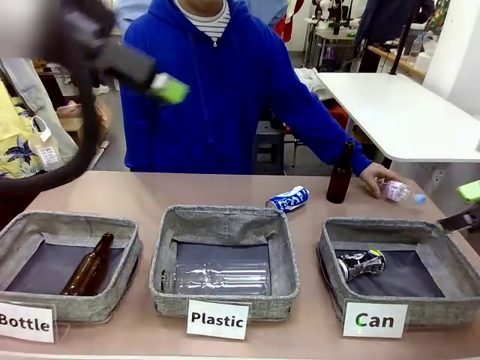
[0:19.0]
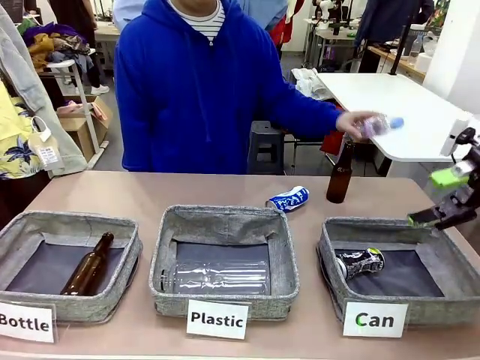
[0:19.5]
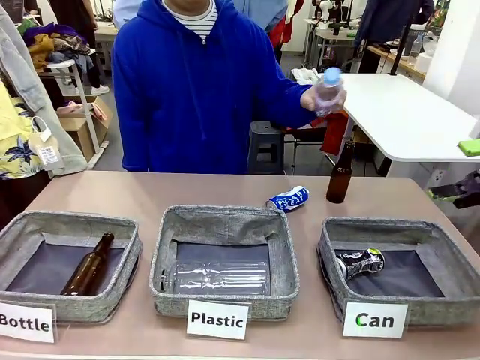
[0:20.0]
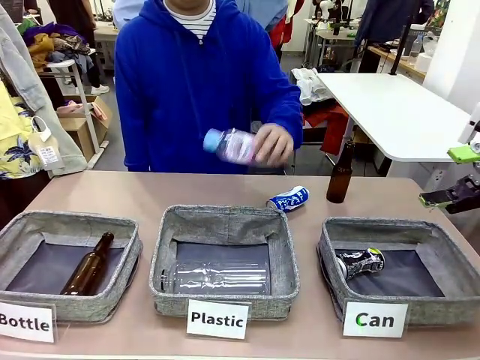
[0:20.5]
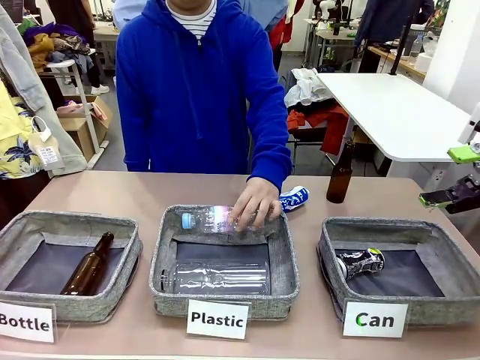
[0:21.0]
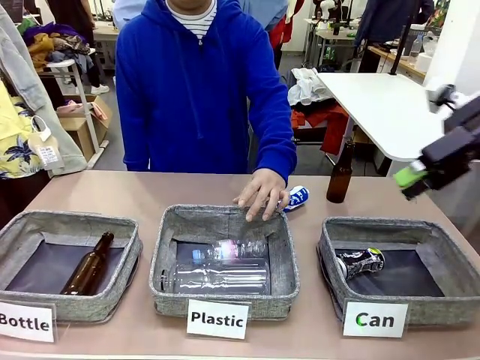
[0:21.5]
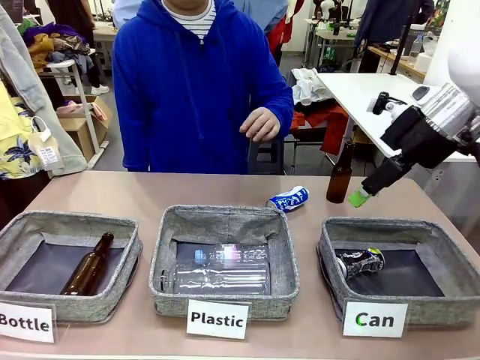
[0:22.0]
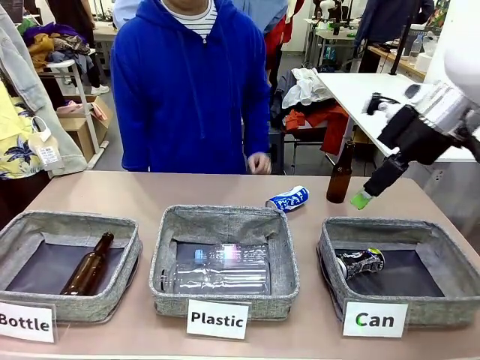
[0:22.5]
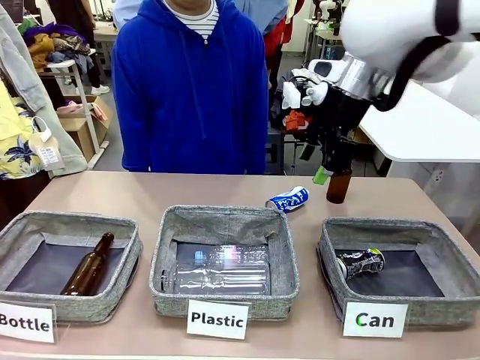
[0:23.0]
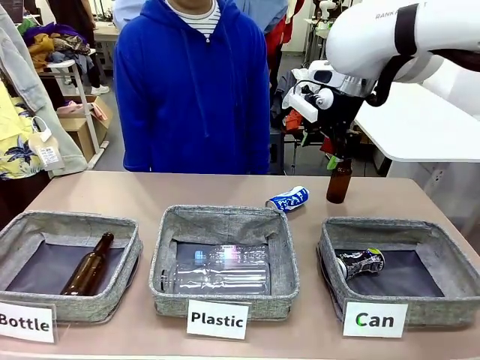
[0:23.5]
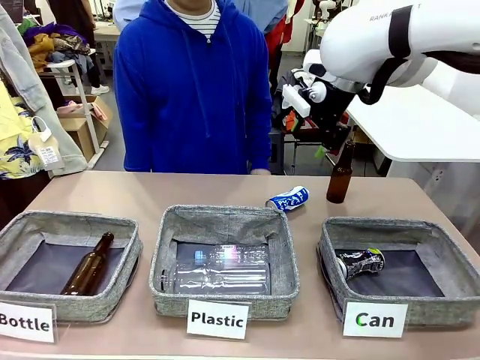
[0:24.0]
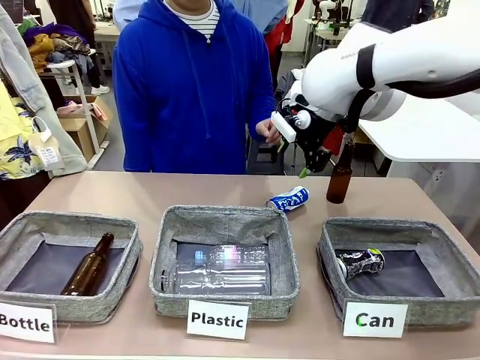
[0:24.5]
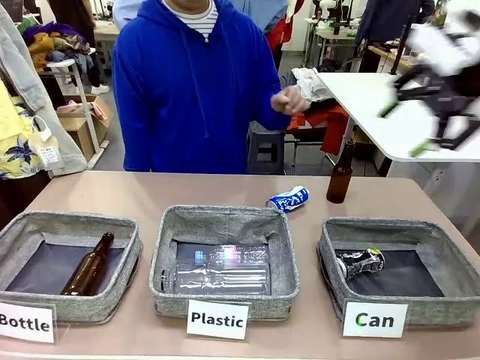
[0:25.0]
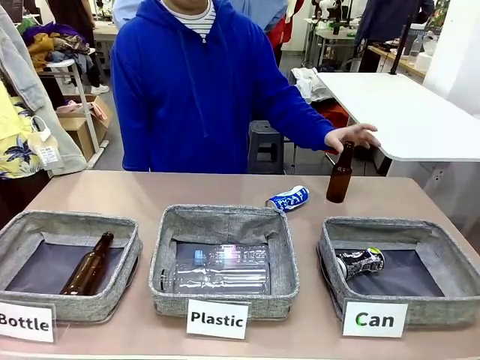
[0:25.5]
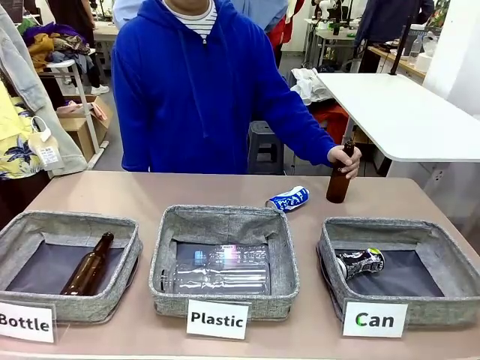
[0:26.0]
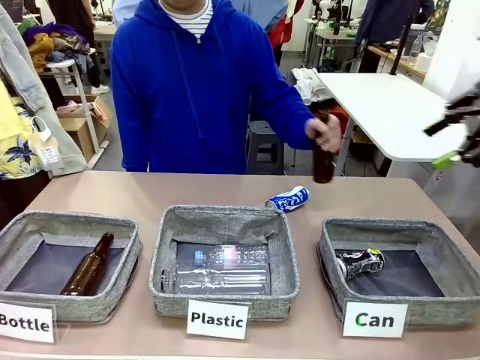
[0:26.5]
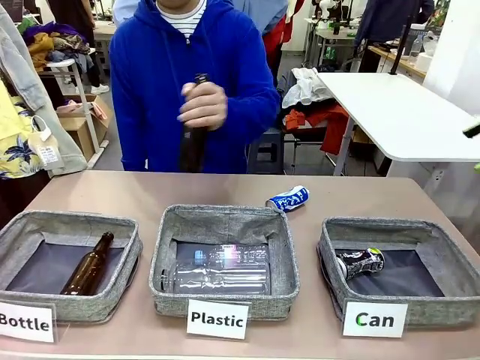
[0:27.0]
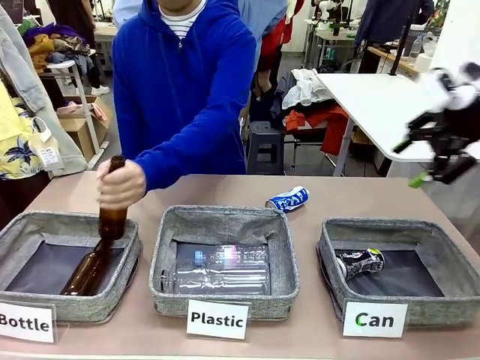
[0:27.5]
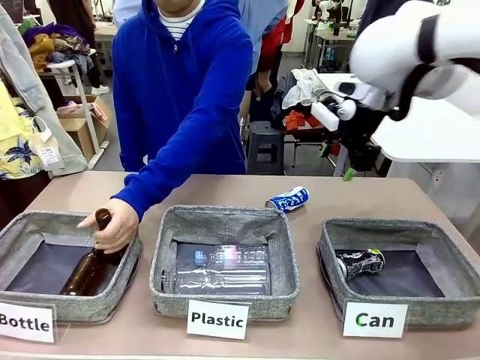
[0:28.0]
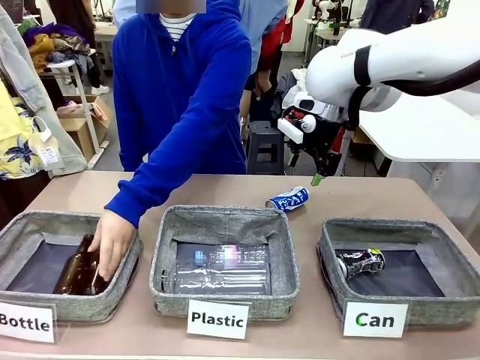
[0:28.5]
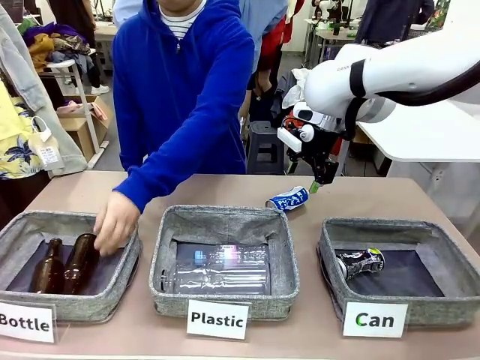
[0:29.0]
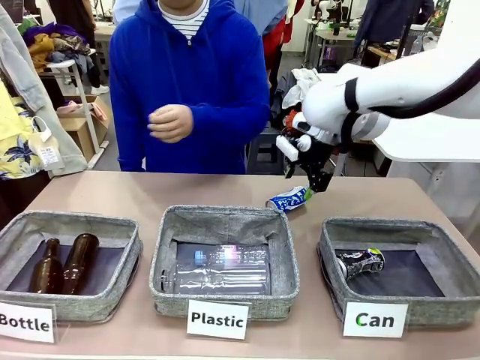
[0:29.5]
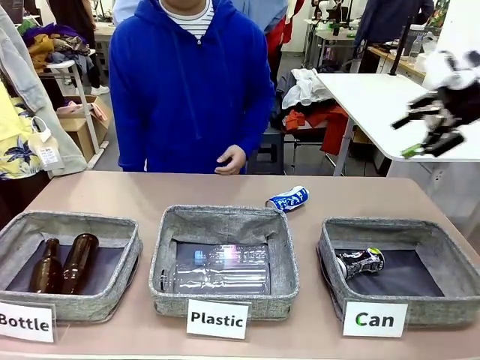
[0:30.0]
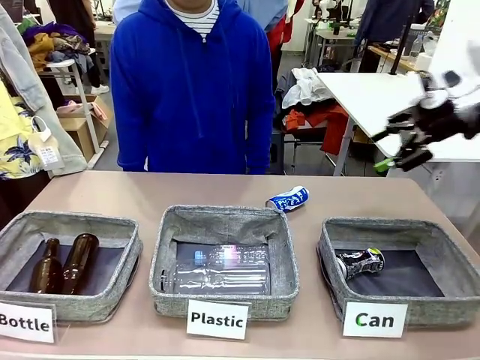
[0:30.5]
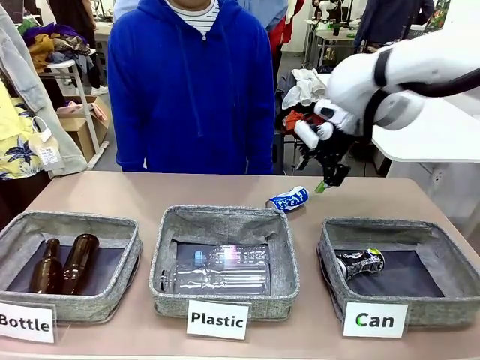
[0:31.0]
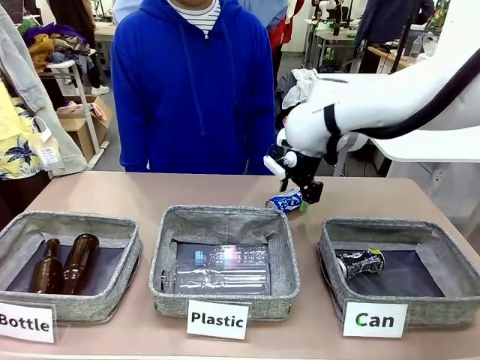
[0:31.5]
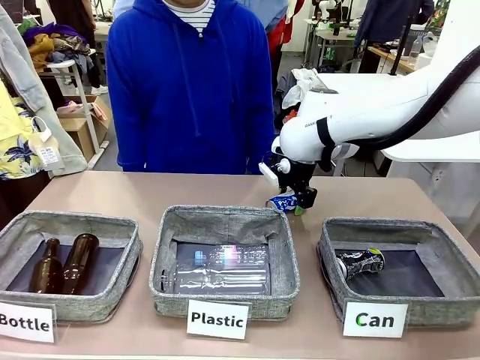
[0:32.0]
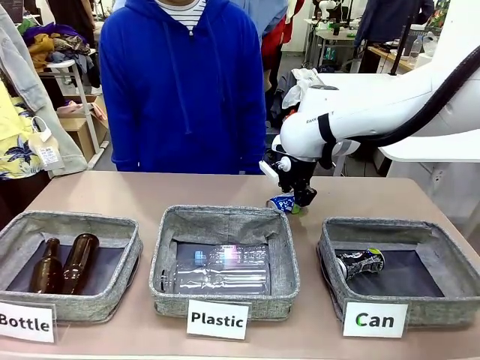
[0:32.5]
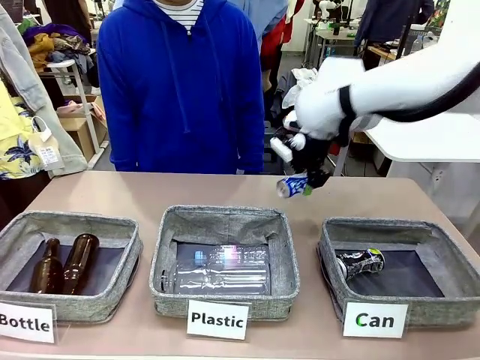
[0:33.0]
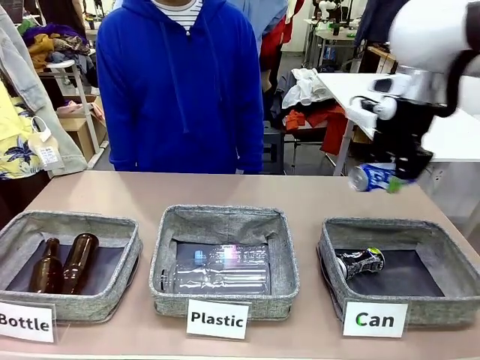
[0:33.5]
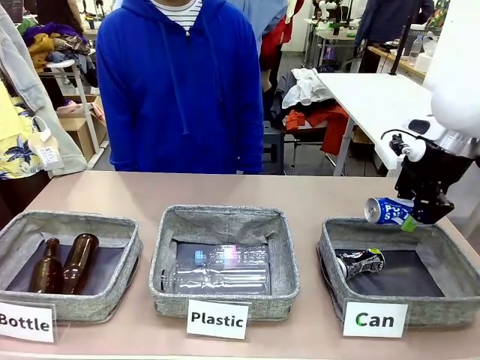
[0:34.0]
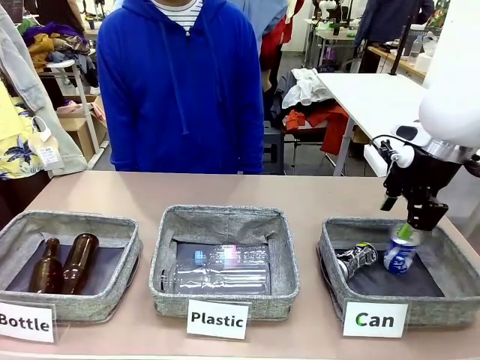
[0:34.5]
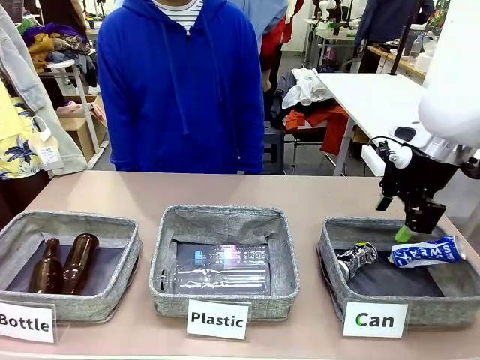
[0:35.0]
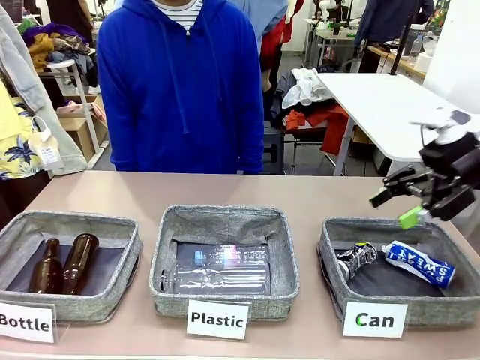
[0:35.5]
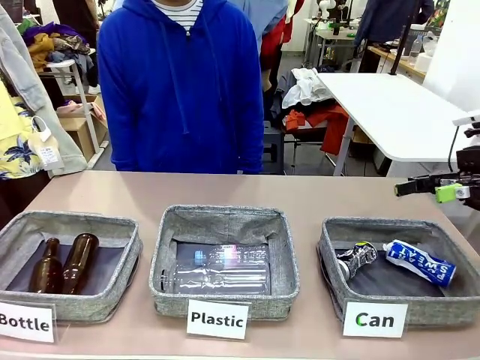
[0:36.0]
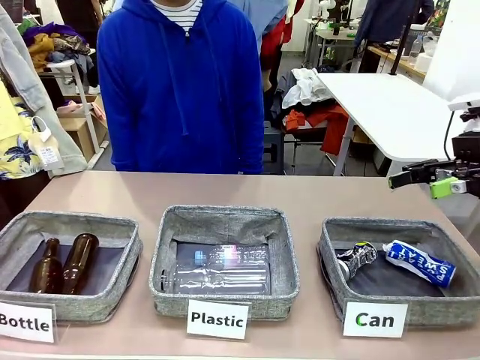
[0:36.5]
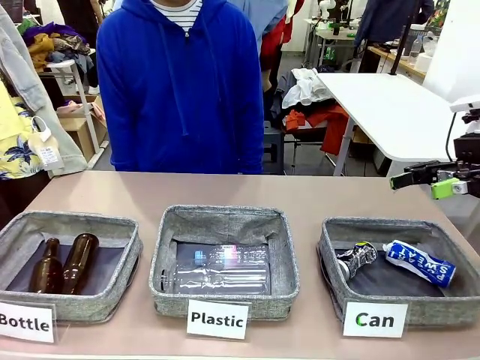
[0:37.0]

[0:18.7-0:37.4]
Task: Sort the can waste into the basket.
Robot: Pick up the can waste from the table and place it in the right Fabric basket.

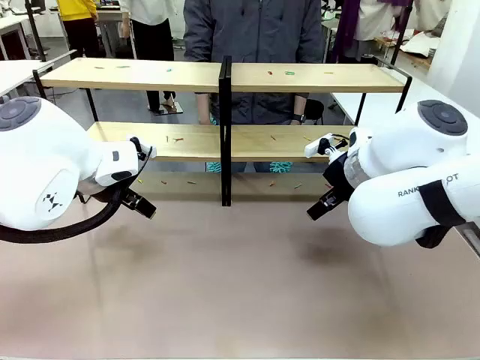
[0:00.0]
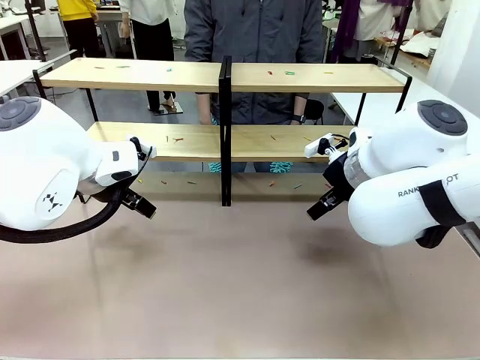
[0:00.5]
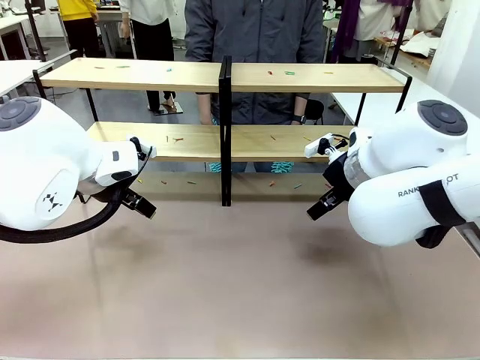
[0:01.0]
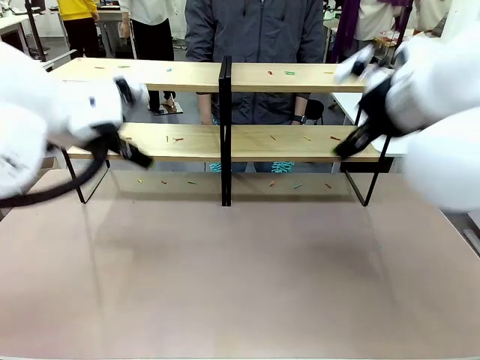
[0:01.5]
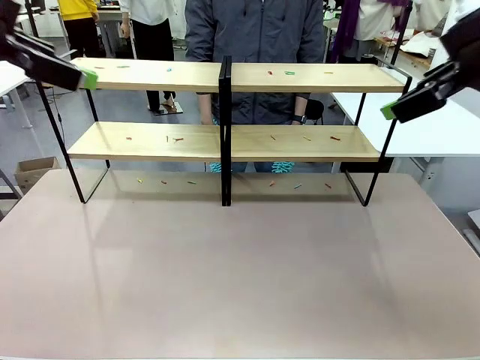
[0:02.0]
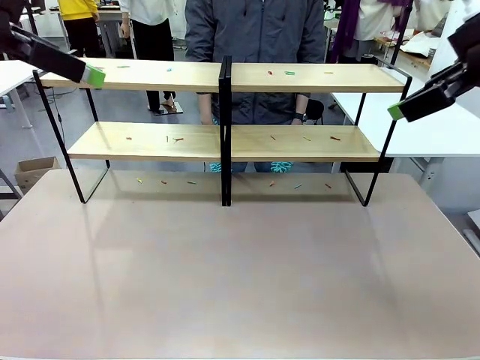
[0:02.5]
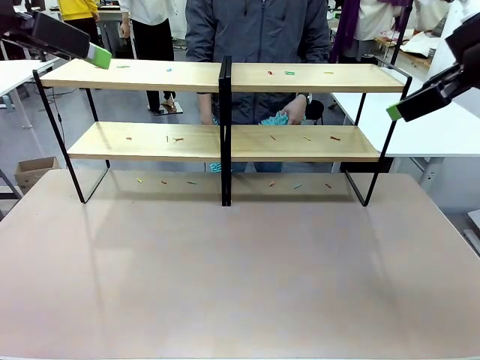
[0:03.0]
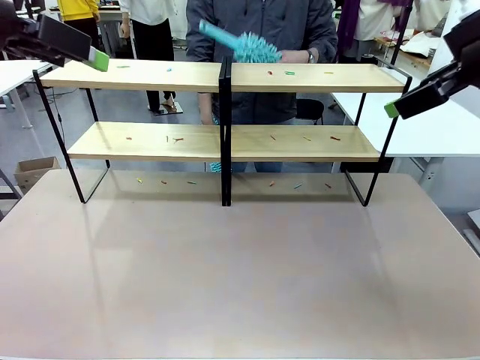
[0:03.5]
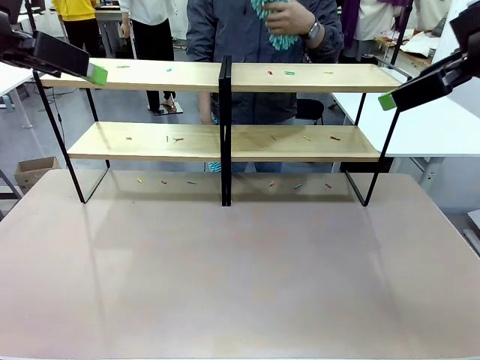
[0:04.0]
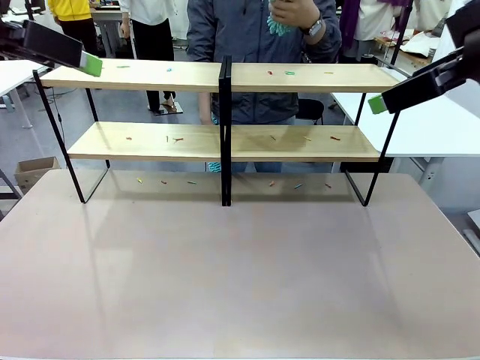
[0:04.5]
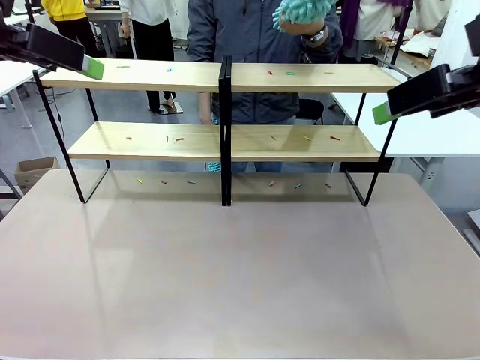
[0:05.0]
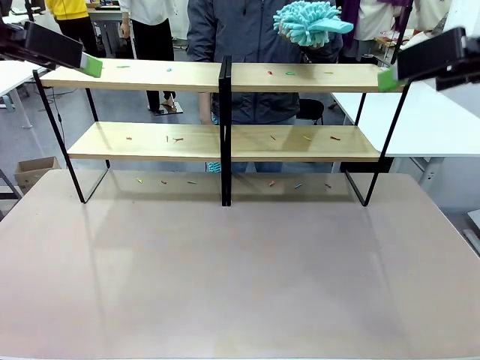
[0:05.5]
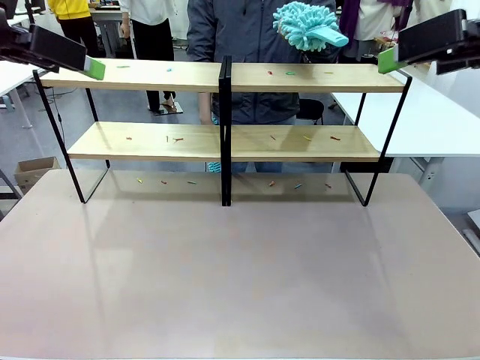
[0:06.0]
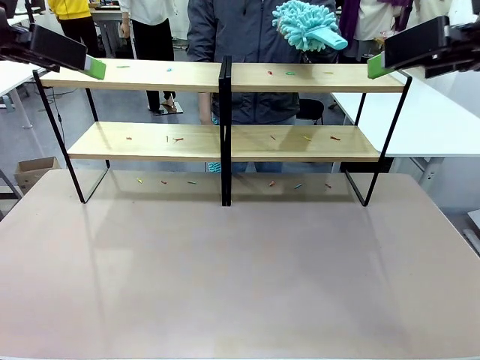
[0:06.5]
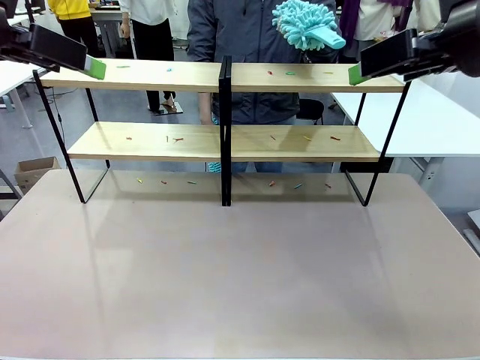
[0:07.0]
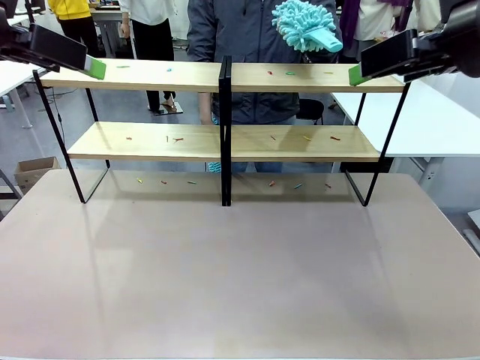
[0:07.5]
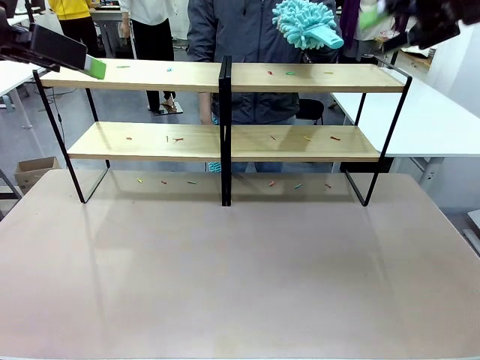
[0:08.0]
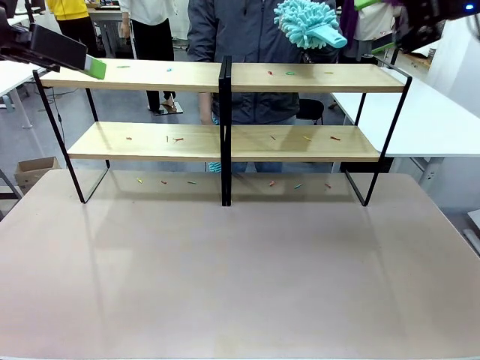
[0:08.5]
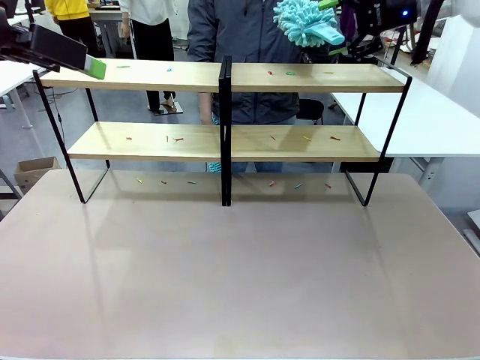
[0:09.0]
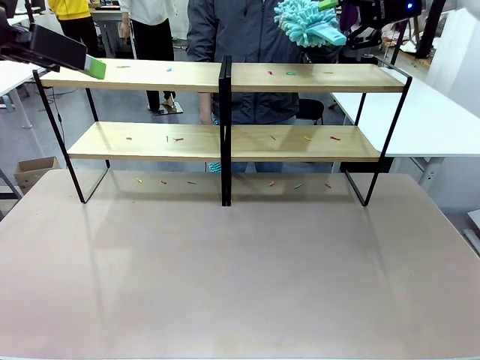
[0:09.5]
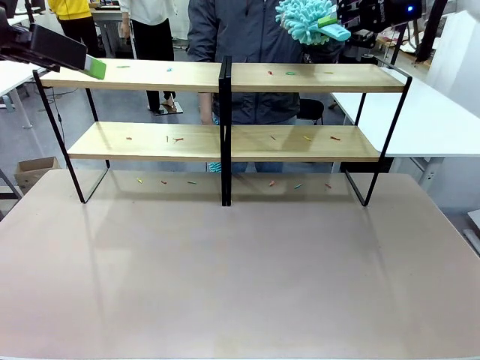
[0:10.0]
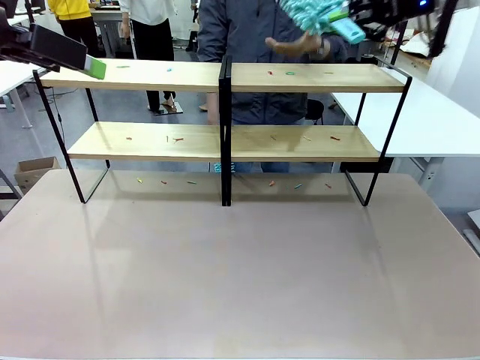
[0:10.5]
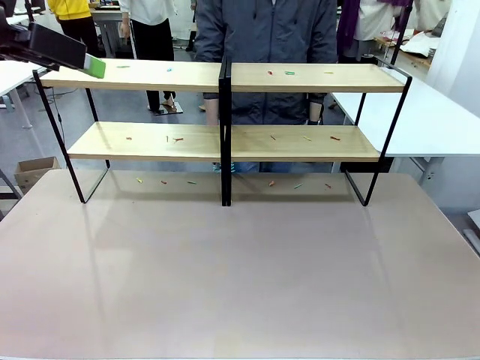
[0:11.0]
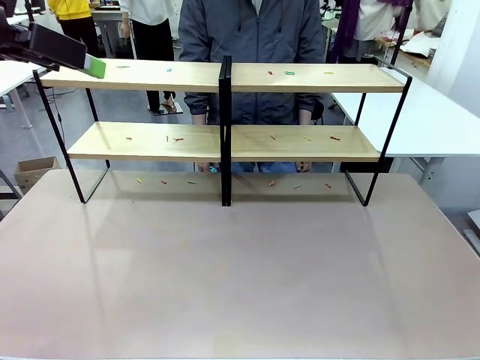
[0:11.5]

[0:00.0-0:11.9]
Task: Clean the shelves.
Robot: Pick up the Duster when the human hands it over.
Person: Hand the Duster to the robot with your right (or left) hand.
